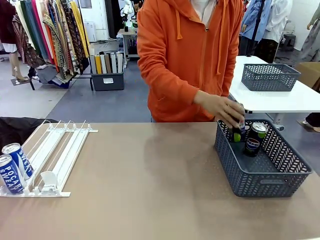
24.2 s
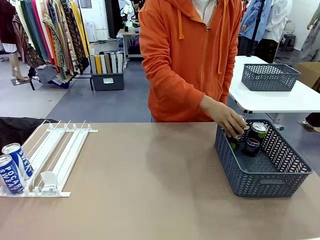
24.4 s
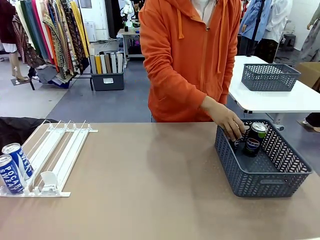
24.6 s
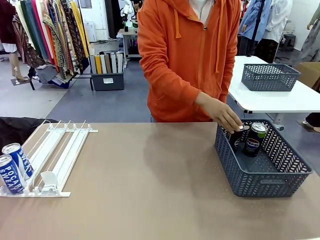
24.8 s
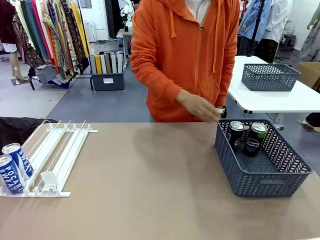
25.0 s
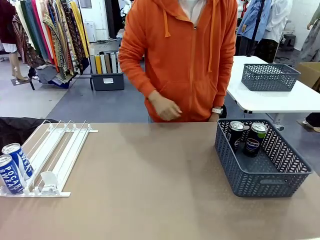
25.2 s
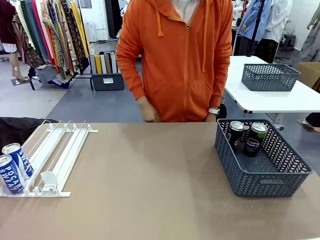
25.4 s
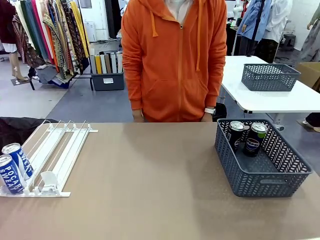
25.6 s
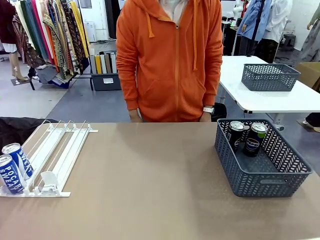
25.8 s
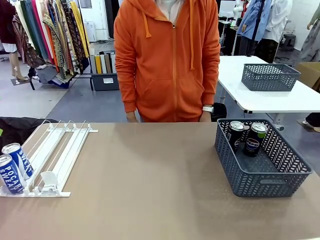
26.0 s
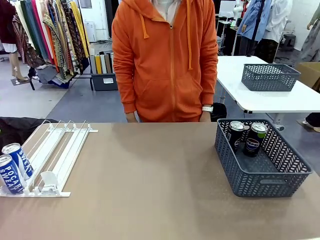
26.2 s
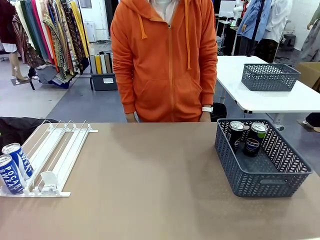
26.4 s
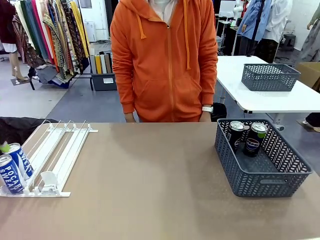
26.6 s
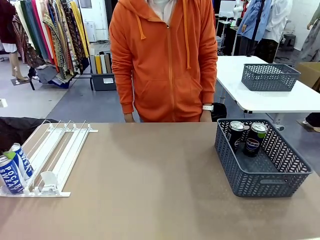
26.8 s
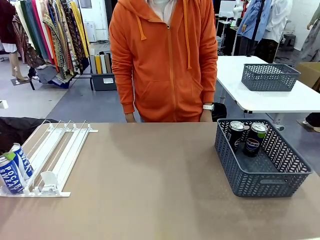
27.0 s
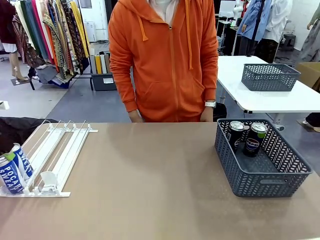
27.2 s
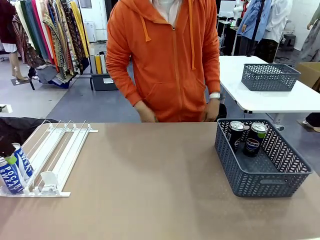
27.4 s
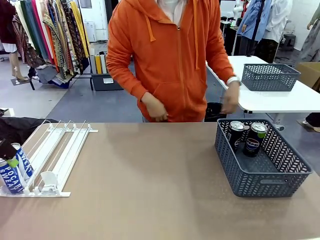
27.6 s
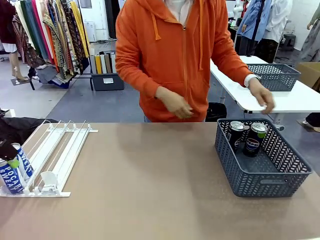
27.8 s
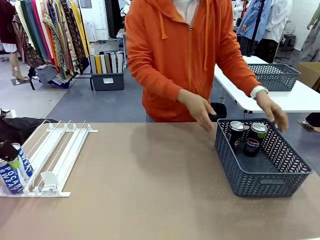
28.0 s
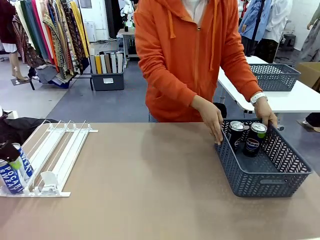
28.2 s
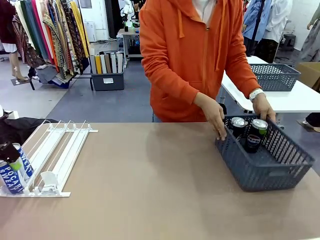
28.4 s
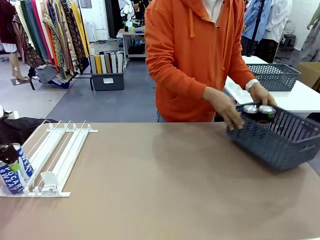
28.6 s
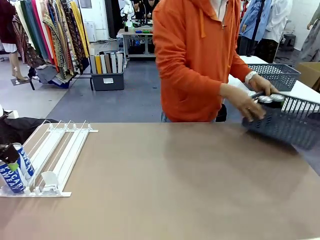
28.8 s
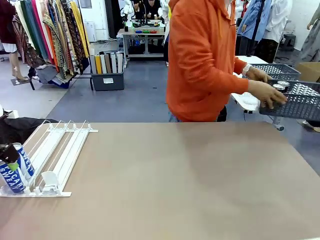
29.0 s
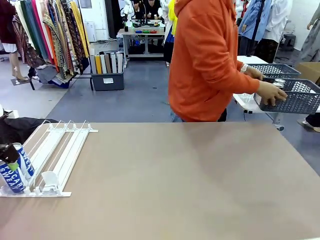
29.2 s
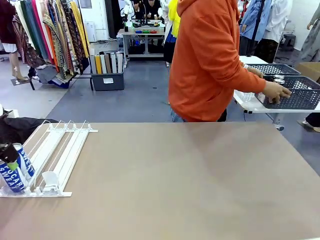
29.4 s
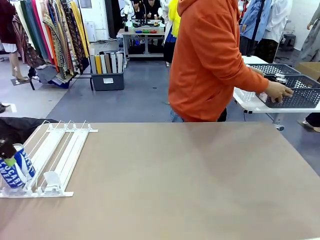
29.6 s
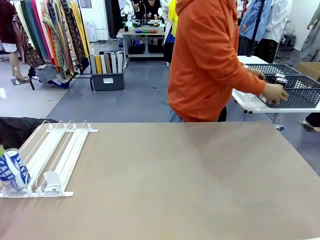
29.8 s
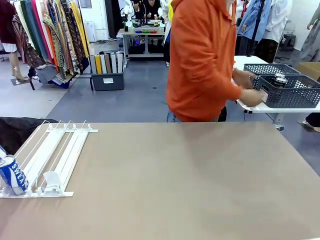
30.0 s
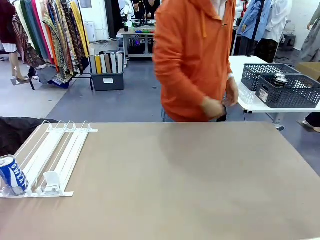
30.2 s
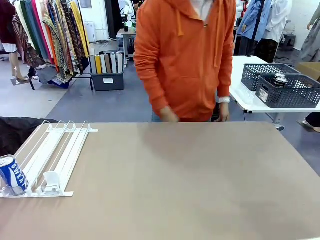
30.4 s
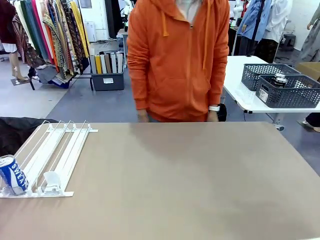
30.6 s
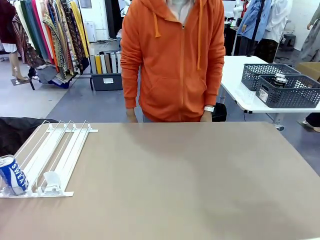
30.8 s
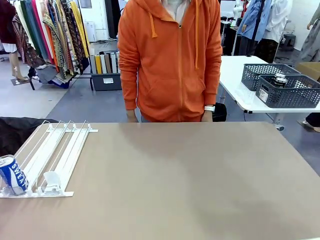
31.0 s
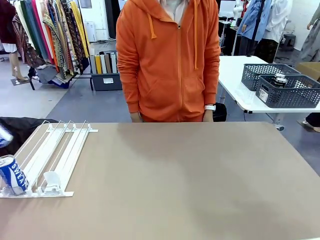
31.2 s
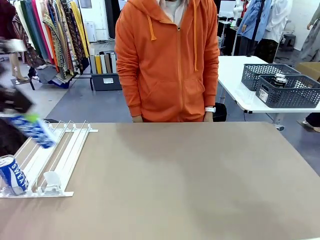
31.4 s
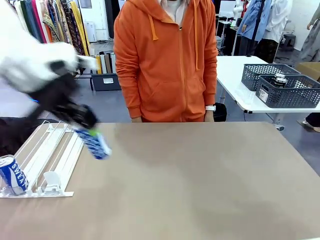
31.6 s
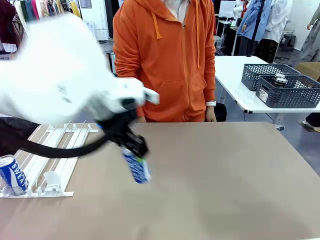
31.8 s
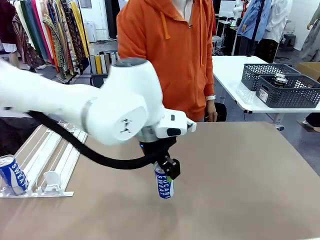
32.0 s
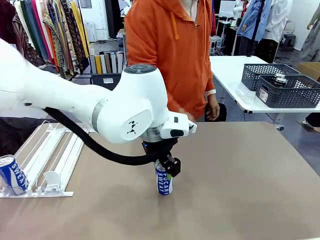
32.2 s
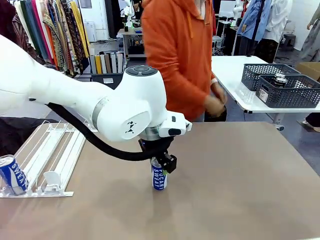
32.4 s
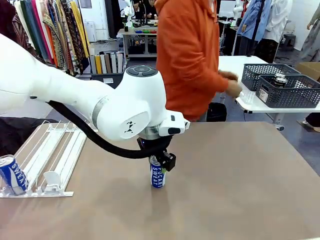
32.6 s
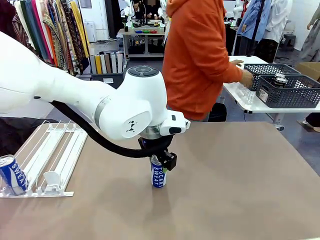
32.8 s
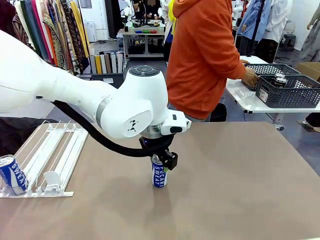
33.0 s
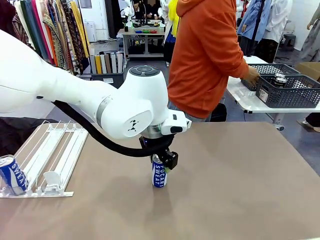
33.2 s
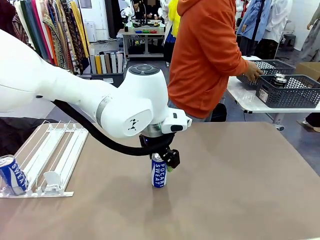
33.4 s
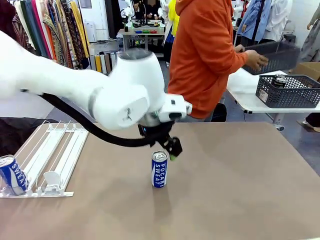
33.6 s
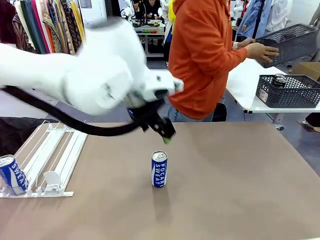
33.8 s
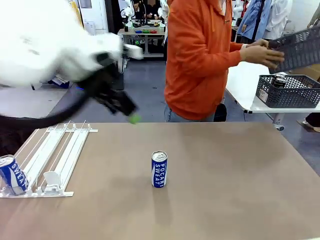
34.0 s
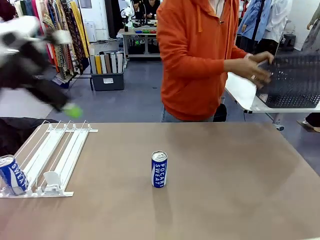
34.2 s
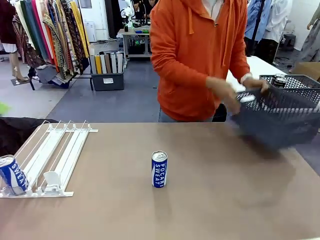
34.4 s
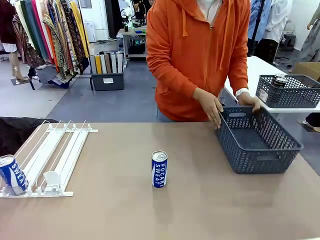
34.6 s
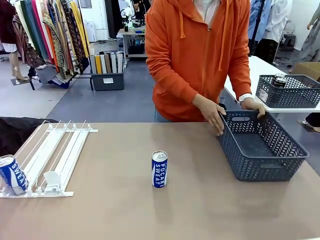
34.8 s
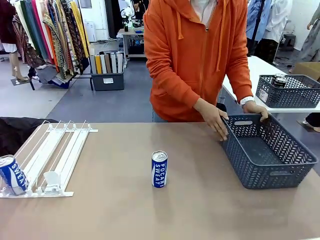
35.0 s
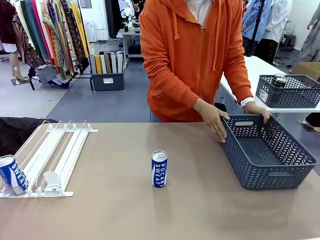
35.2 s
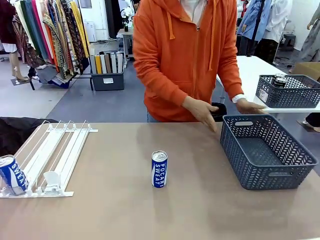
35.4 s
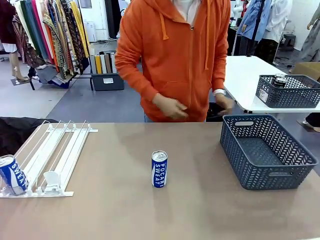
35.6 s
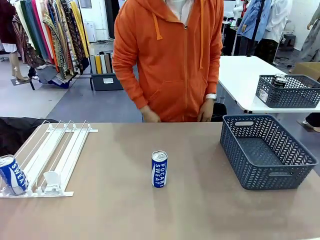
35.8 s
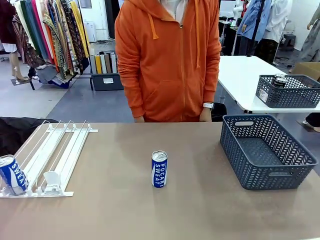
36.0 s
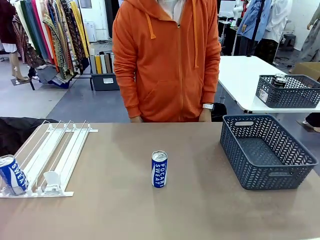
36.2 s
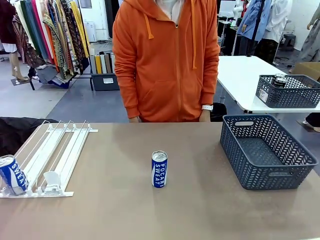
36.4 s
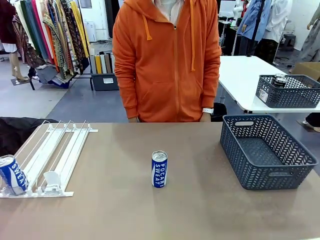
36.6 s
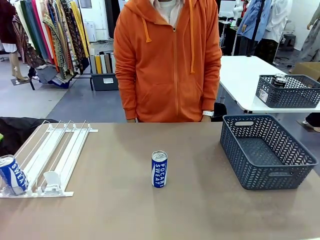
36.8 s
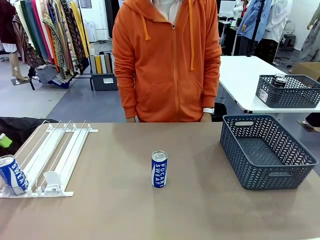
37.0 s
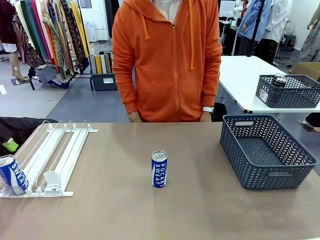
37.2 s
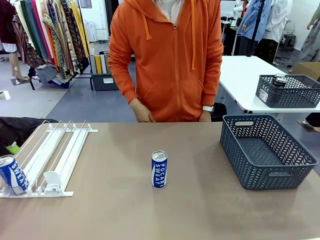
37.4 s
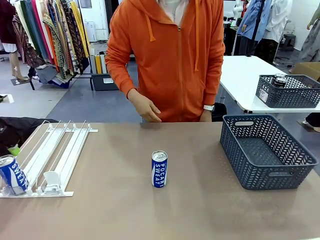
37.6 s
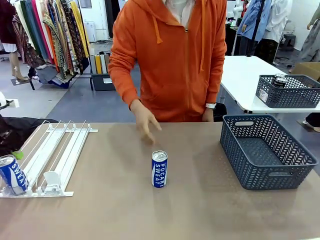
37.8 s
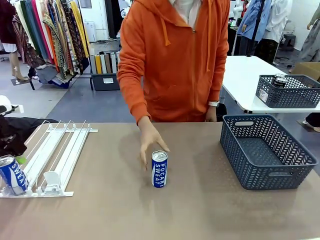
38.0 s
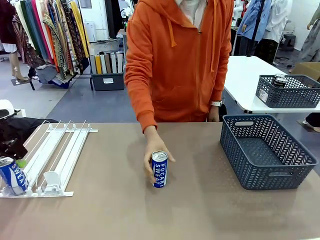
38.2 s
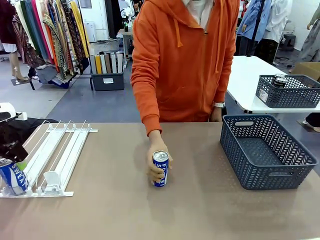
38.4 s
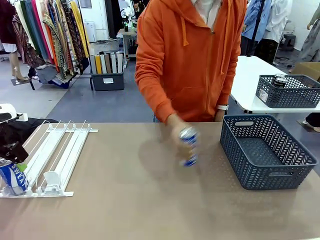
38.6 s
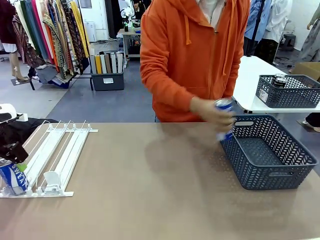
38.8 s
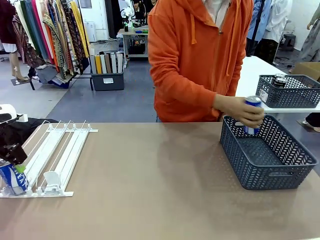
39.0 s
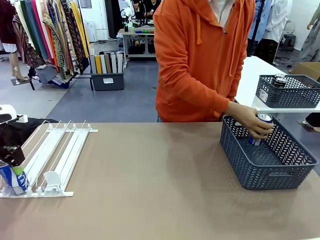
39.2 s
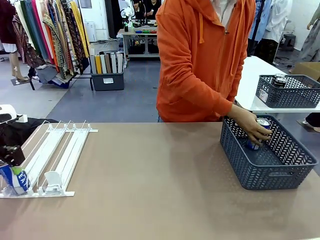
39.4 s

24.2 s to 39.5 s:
Task: Retrieve and store the cans from the dispenser.
Robot: Pick up one can from the Automatic Can Dispenser and place it in the middle of the table.
Person: Pick up the basket and place it in the middle of the human table. Pick up the empty basket and place it on the left side of the robot table.
